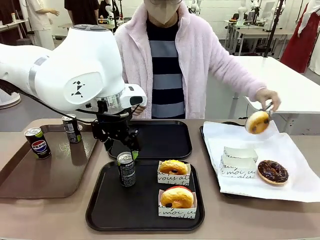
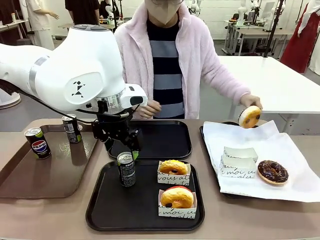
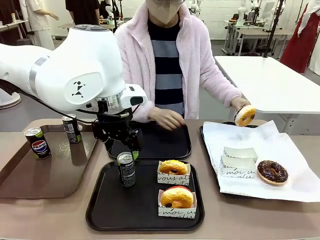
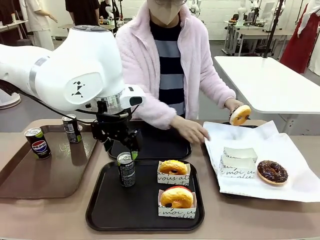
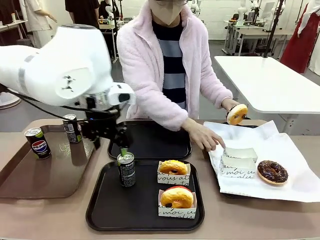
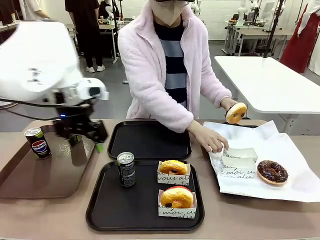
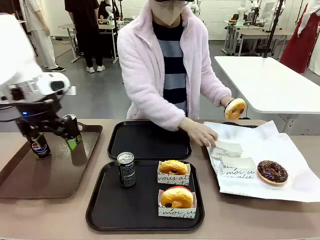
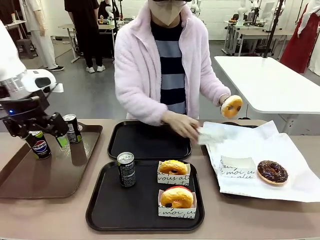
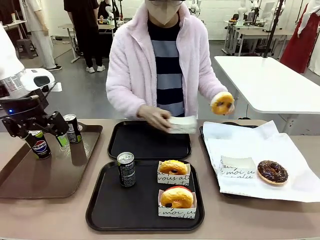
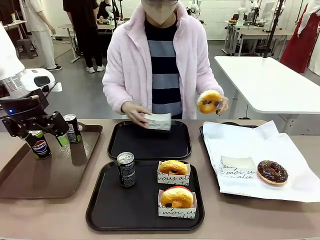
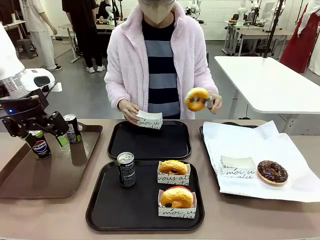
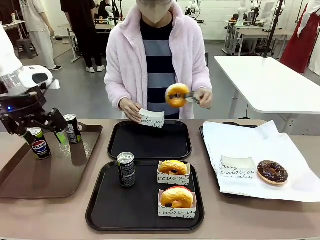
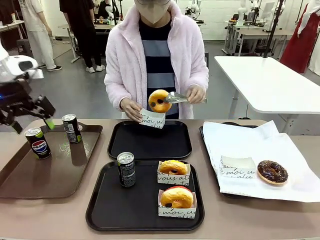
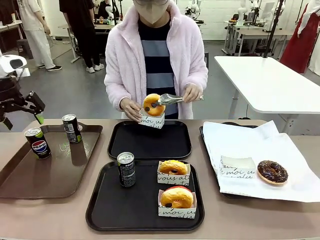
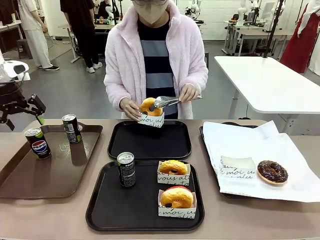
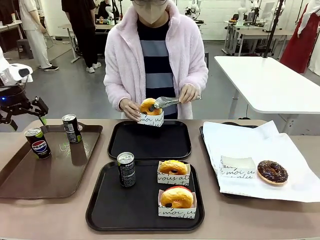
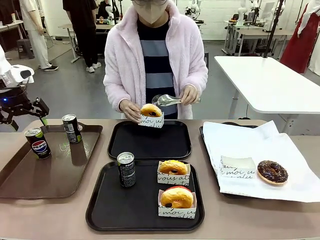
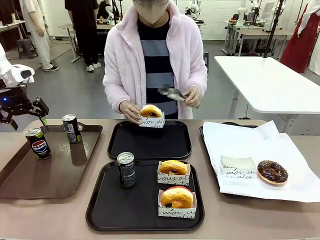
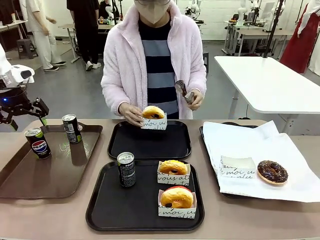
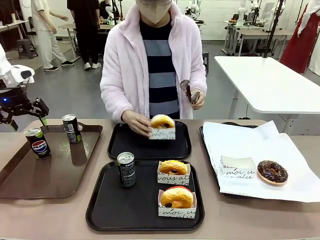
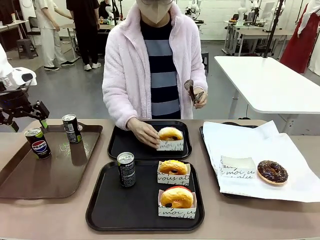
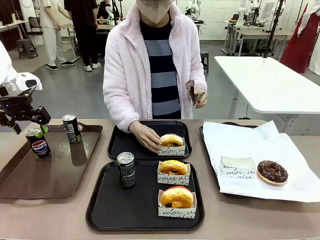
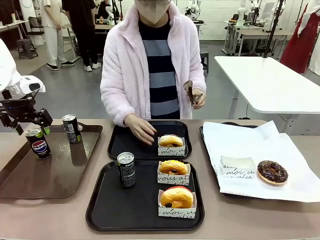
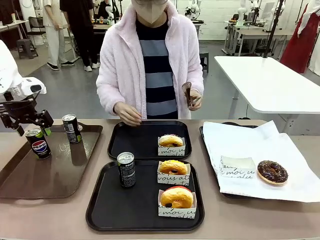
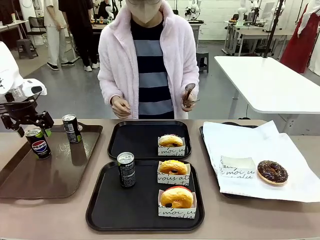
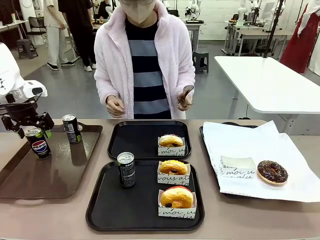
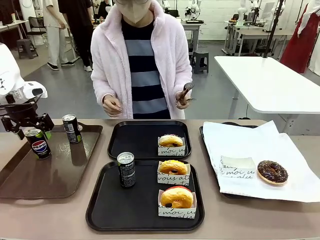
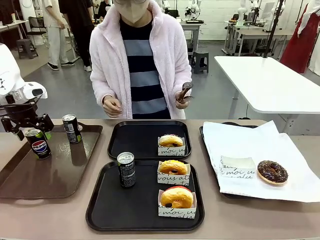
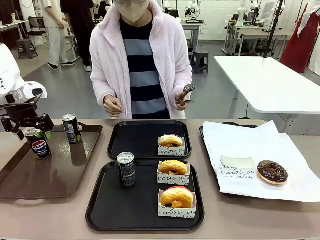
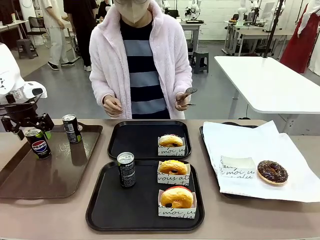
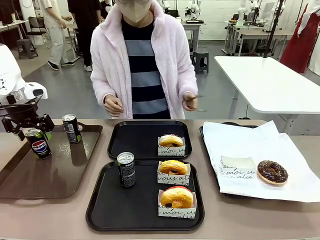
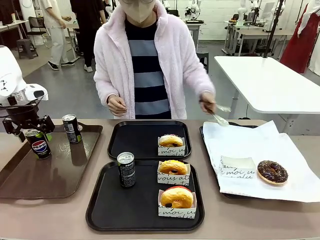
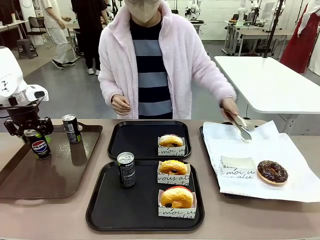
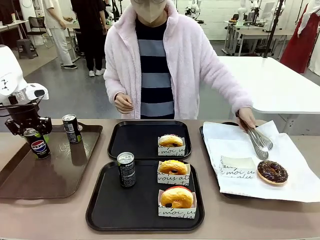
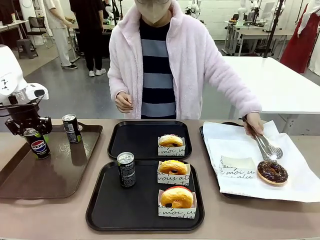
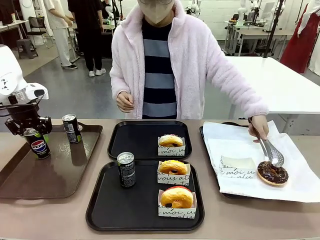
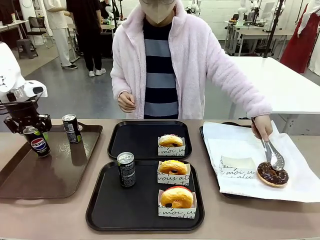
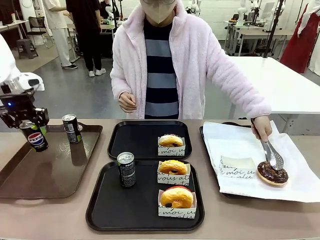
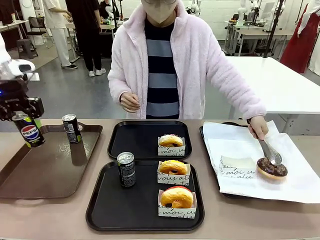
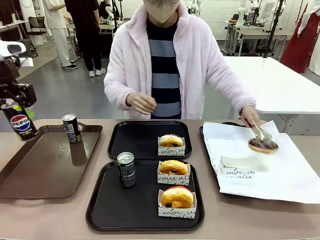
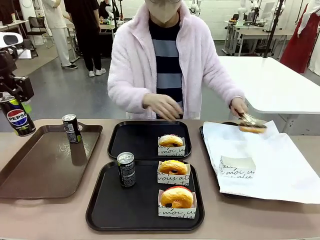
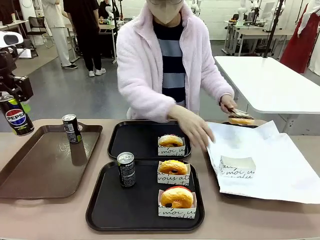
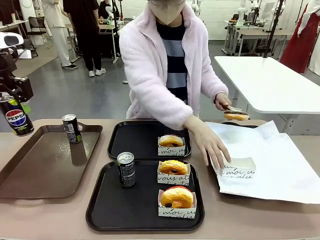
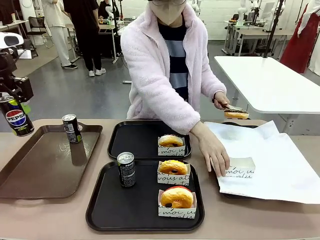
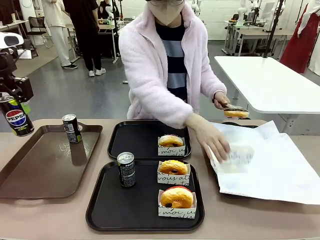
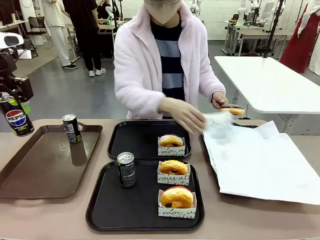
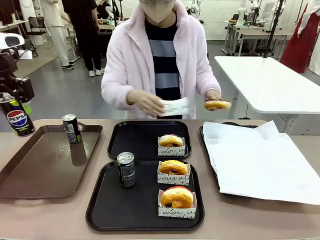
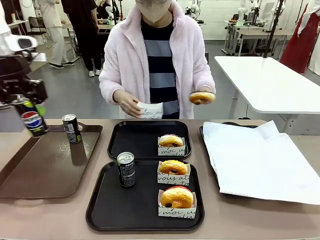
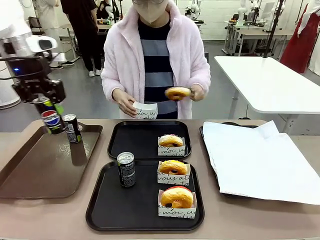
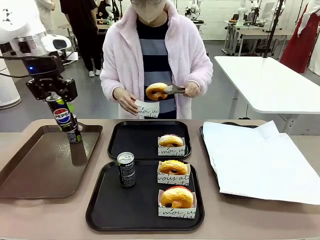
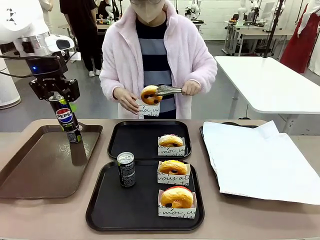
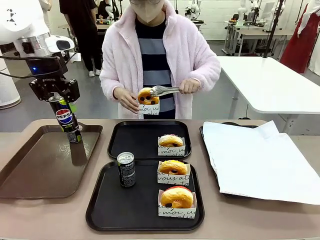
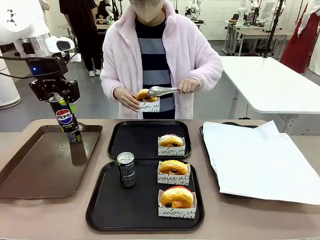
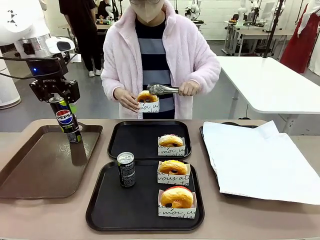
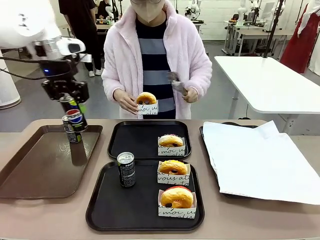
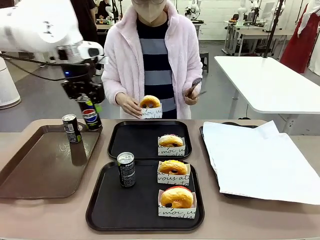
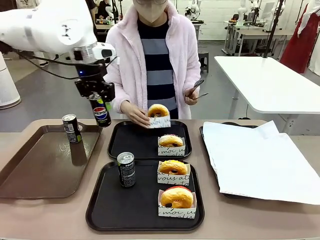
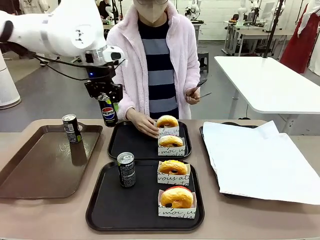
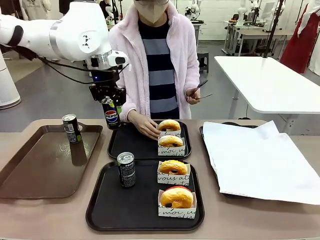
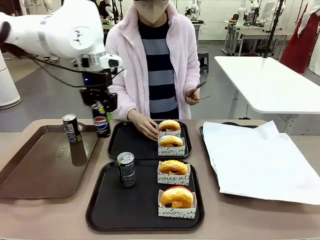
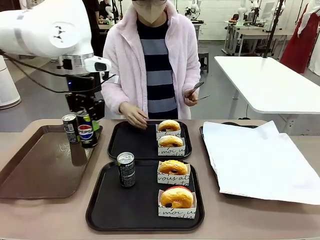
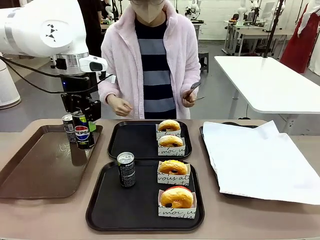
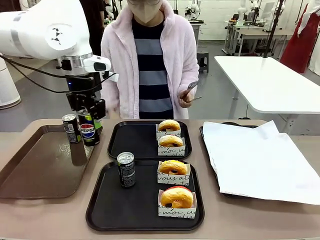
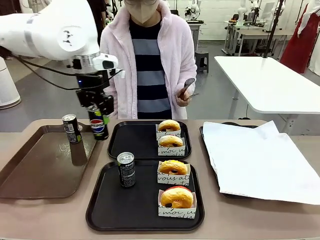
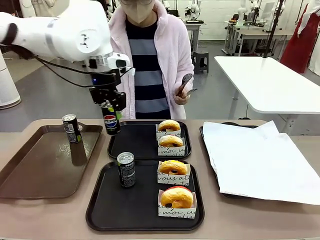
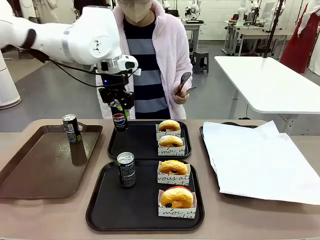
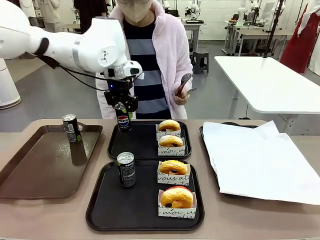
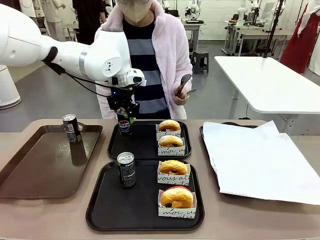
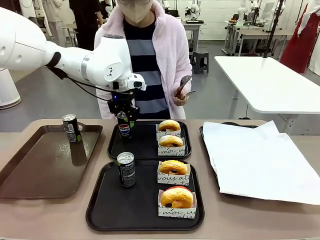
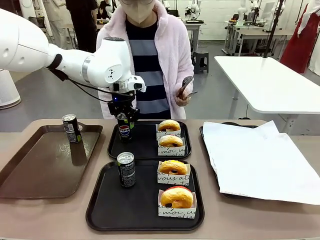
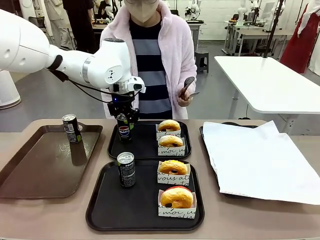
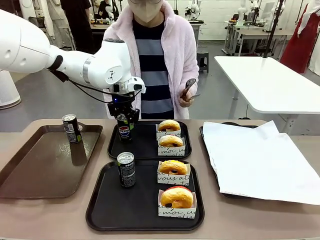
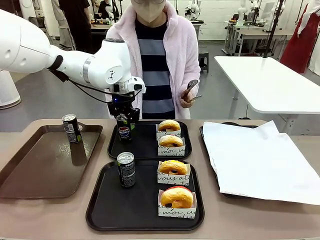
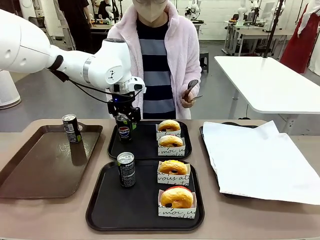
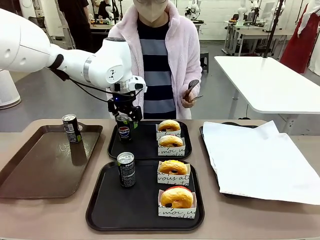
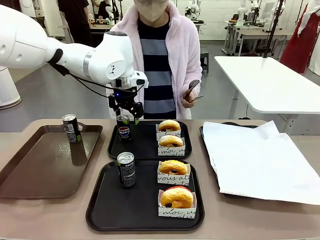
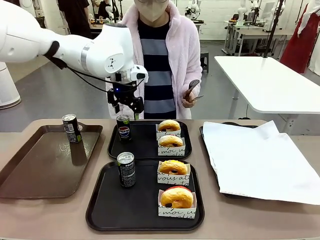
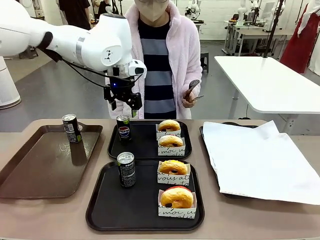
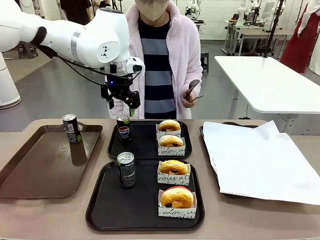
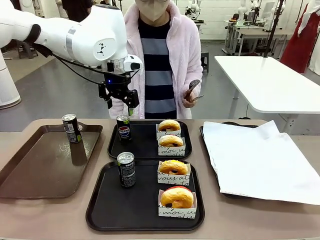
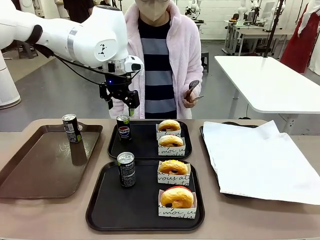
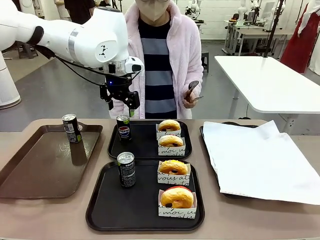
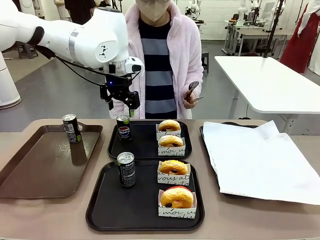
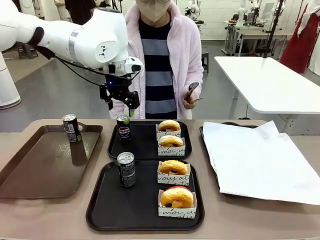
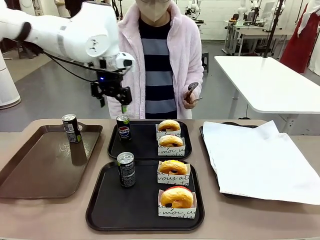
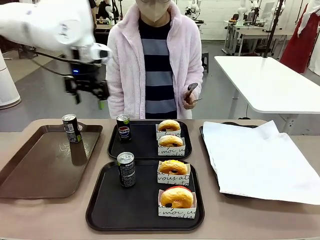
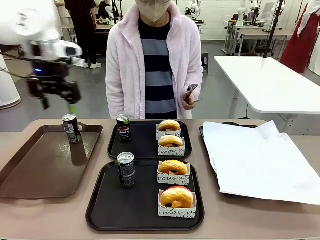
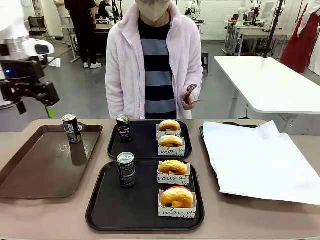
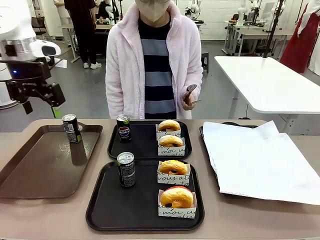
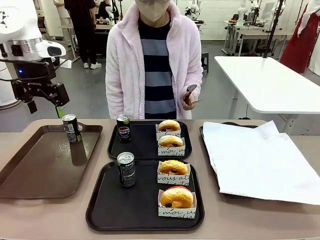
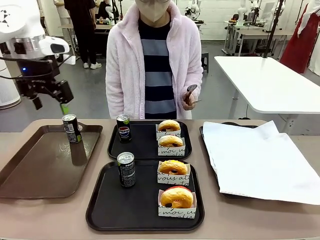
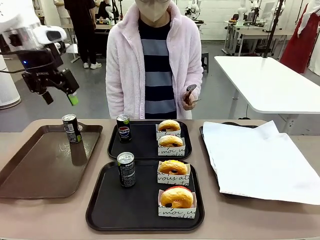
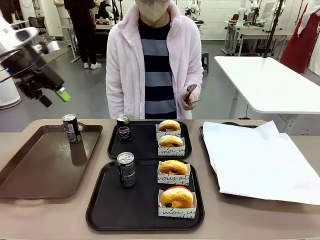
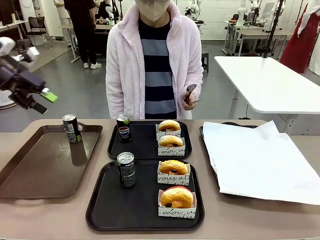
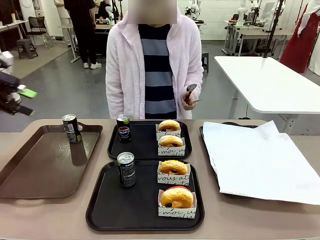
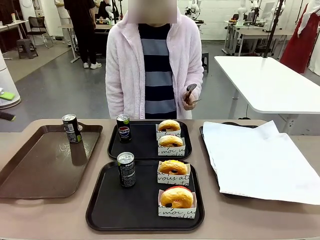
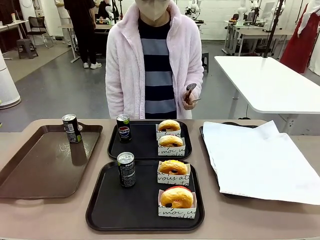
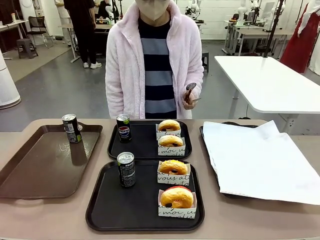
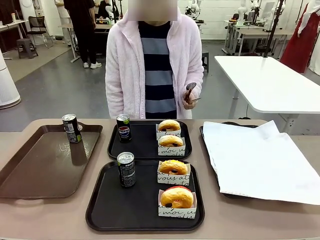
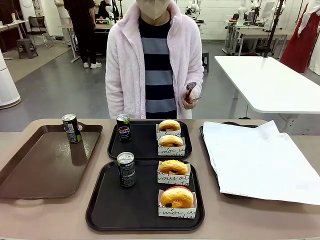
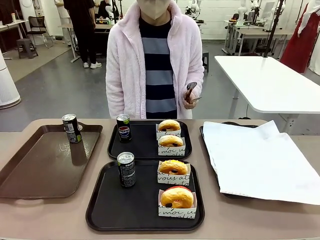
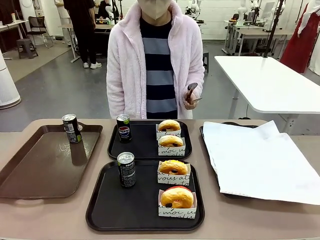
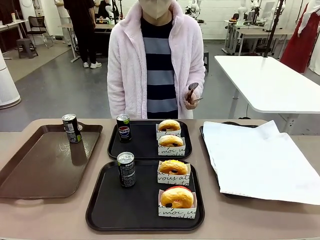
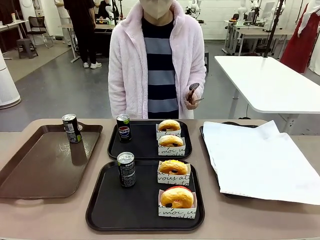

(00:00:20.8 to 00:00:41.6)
Task: Set up donuts and drinks on trays.
Robot: Pick up one Pepsi coke from the Handle tray and place it on the Flat Tray without a Pepsi coke.
